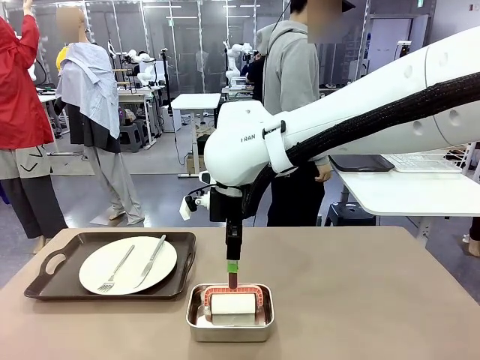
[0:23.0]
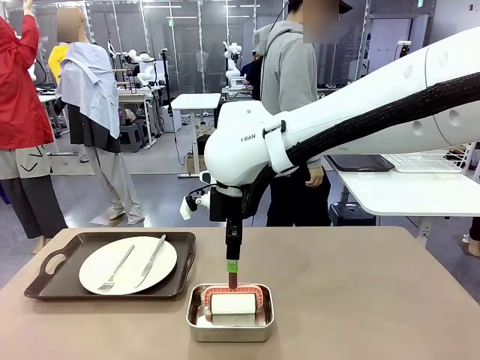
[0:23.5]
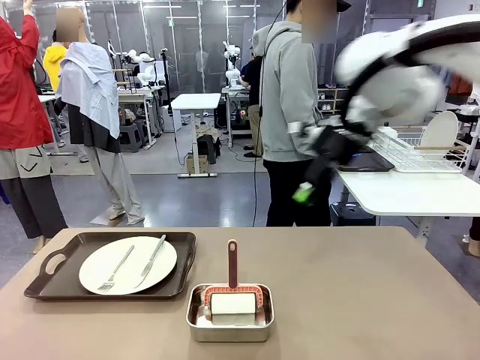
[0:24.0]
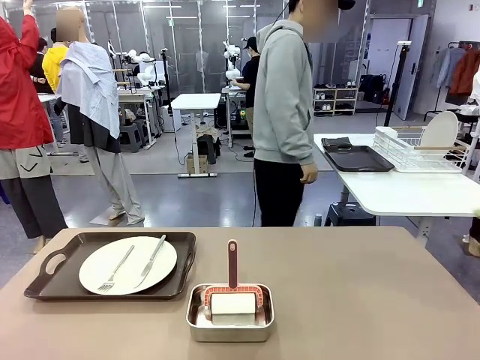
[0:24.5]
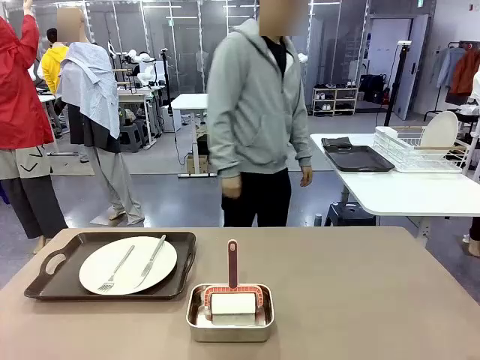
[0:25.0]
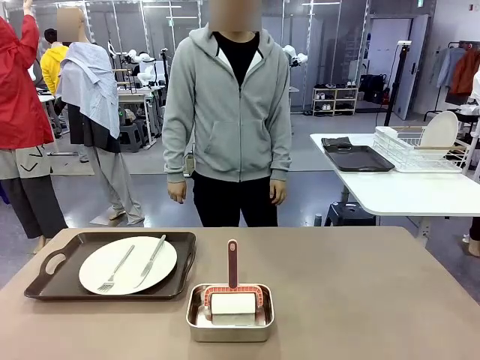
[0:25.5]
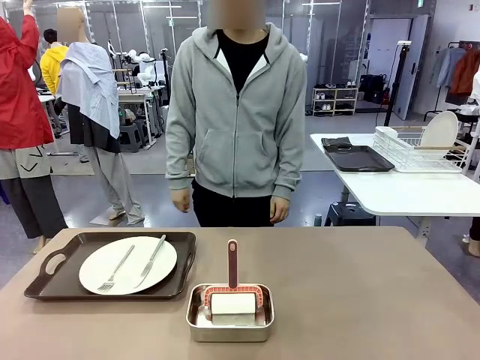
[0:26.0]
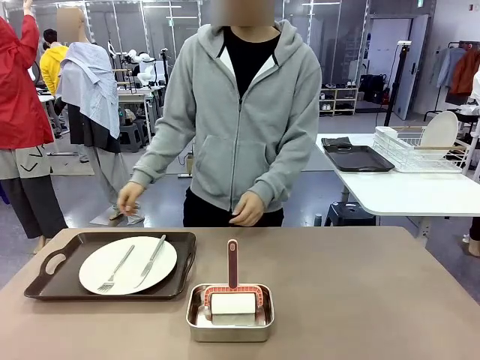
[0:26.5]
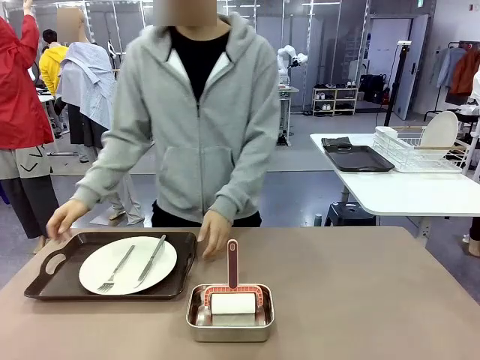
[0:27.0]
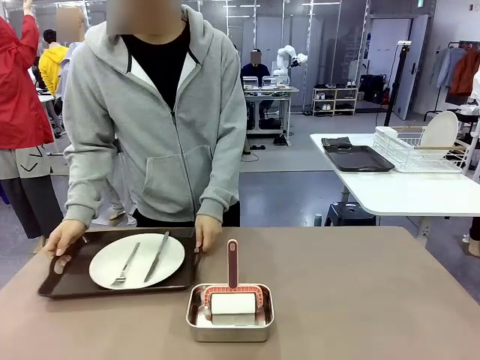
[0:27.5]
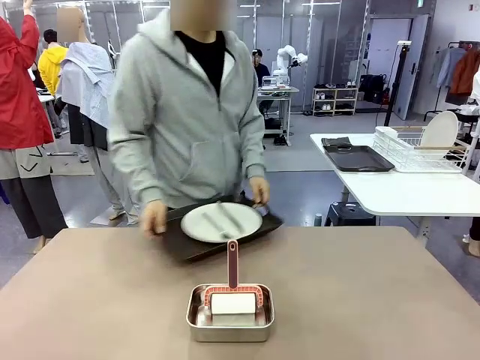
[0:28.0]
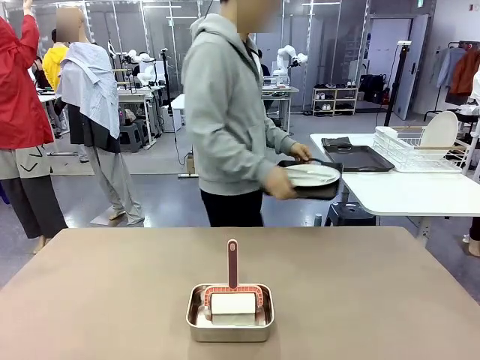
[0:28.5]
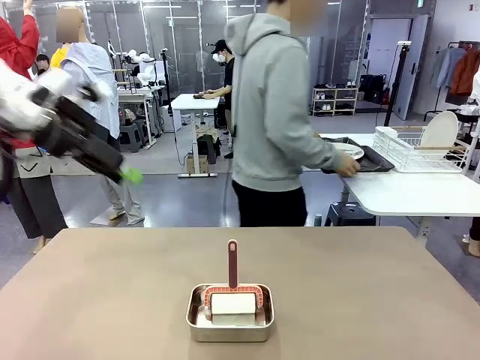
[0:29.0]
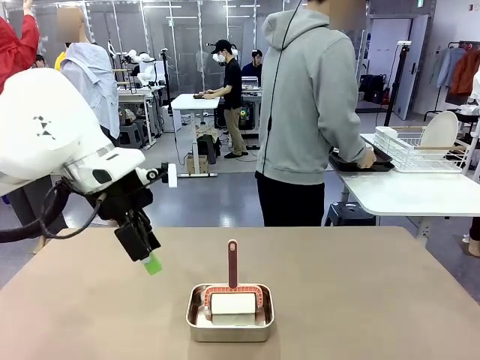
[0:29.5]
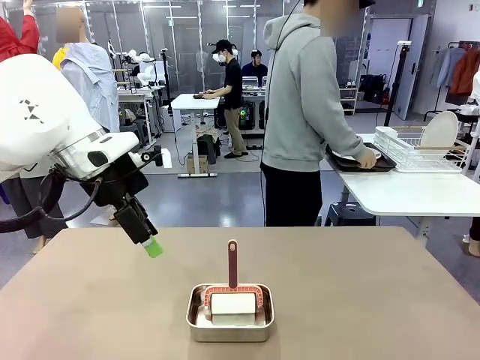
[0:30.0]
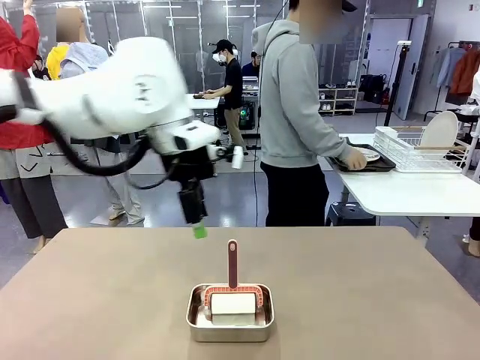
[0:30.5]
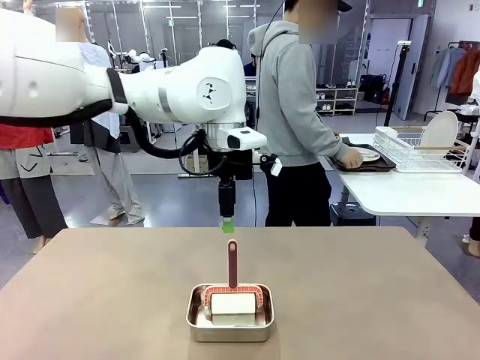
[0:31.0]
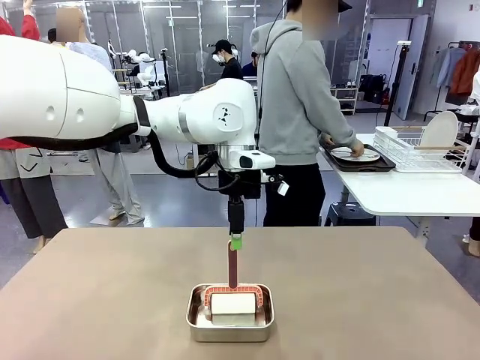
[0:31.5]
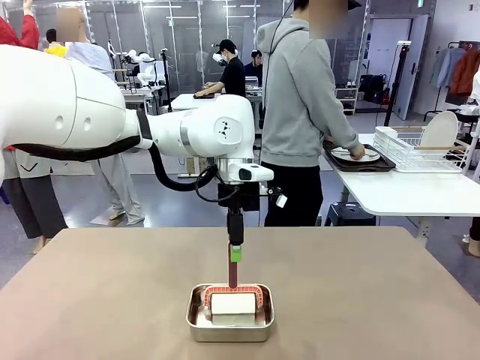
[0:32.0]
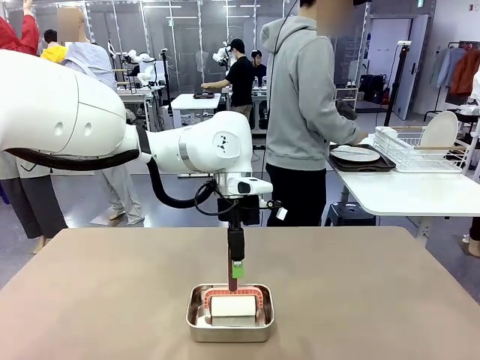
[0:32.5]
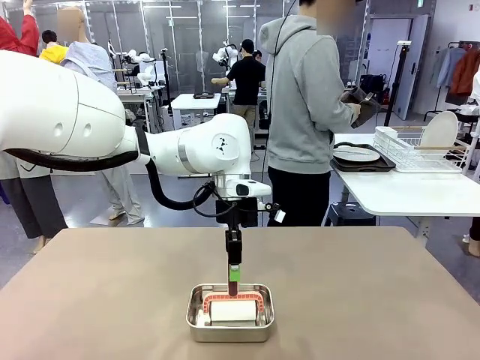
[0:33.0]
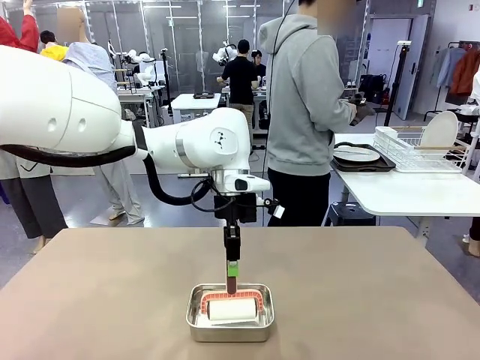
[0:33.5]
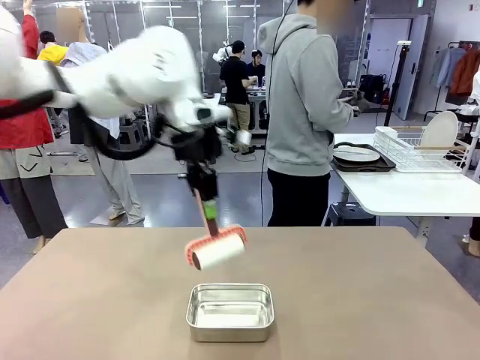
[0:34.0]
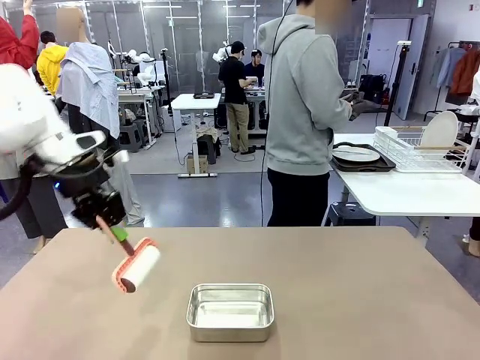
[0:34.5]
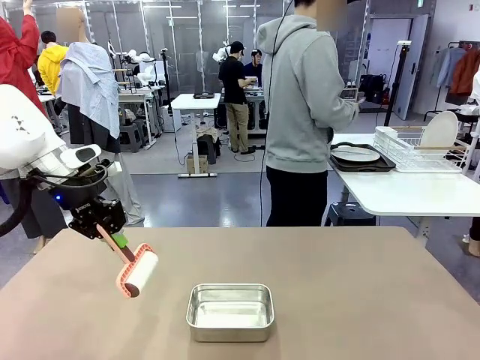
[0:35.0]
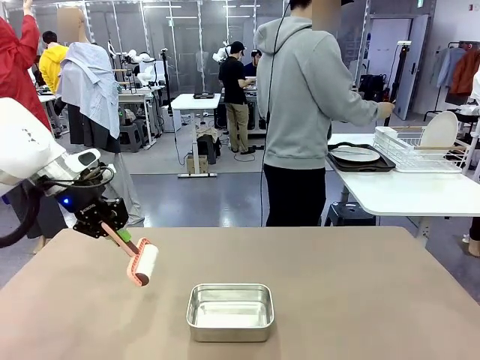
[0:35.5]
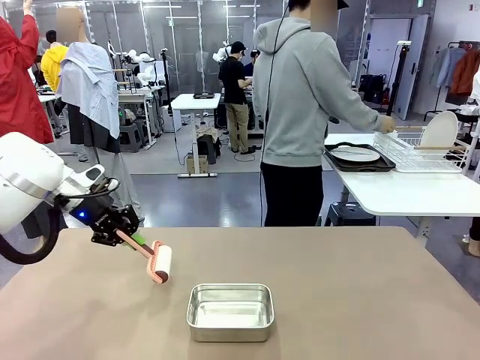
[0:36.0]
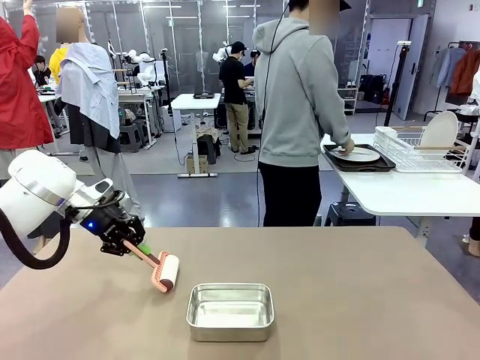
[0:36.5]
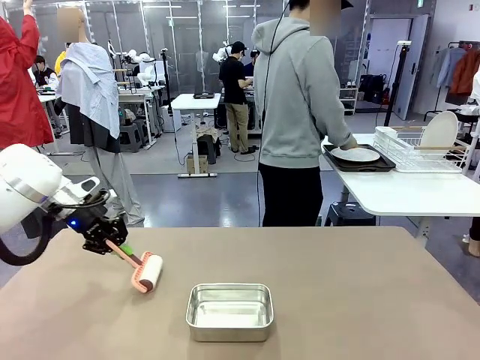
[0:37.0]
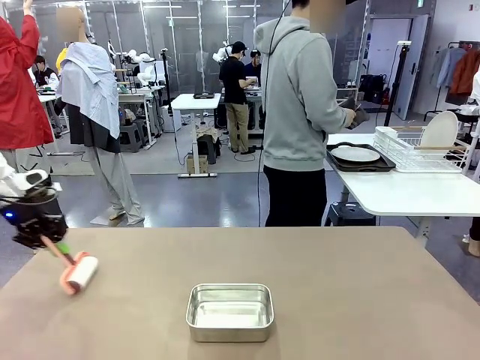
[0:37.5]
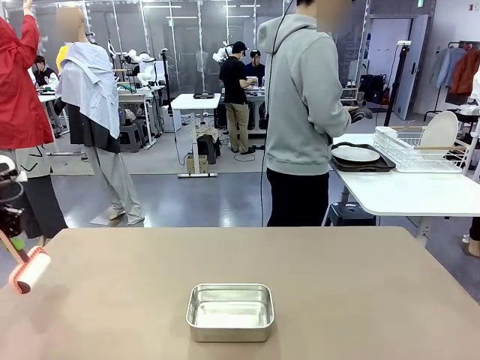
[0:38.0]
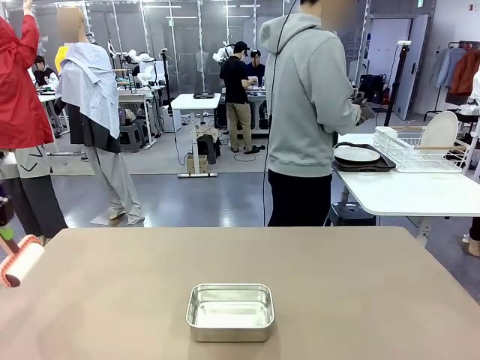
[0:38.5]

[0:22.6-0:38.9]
Robot: When the right (or left) Handle tray is removed, use the right hand (or left hand) to clean the right (or left) side of the table with the Lint Roller.
Person: Pick up the left (or right) Handle tray and place it on the Handle tray.

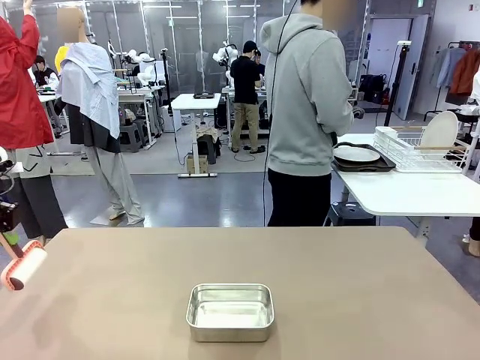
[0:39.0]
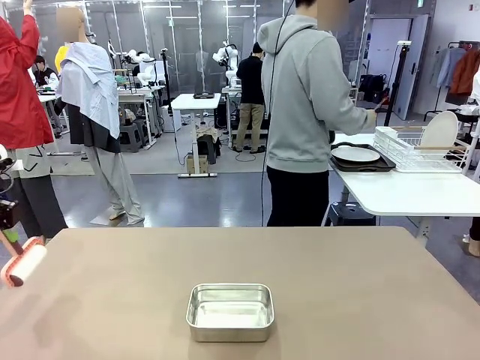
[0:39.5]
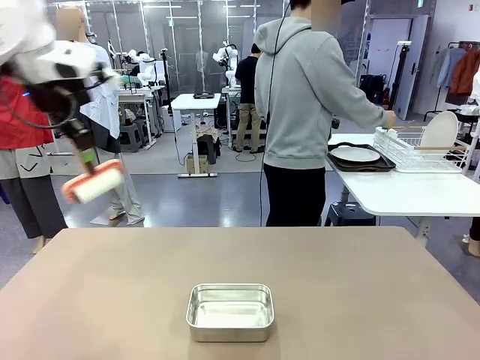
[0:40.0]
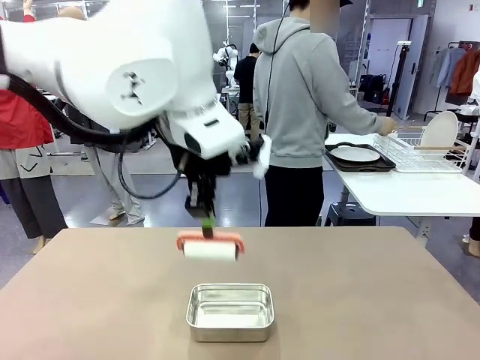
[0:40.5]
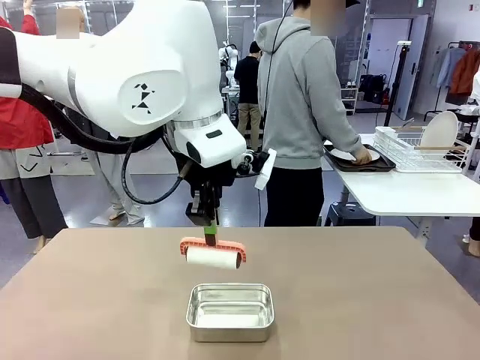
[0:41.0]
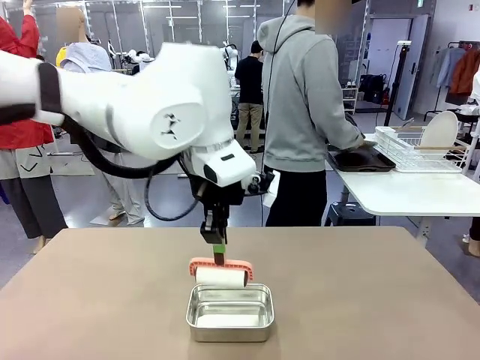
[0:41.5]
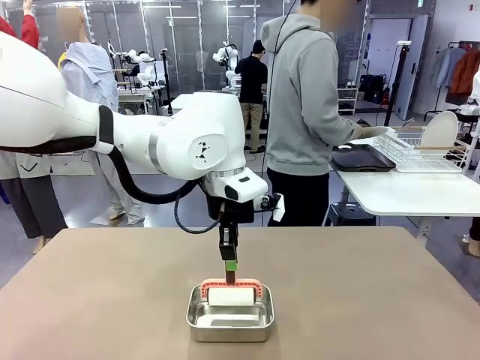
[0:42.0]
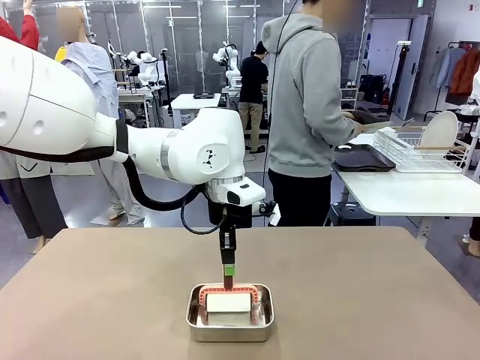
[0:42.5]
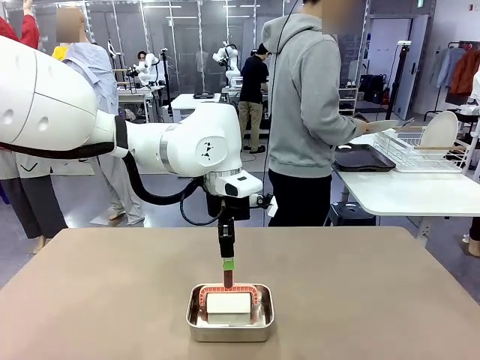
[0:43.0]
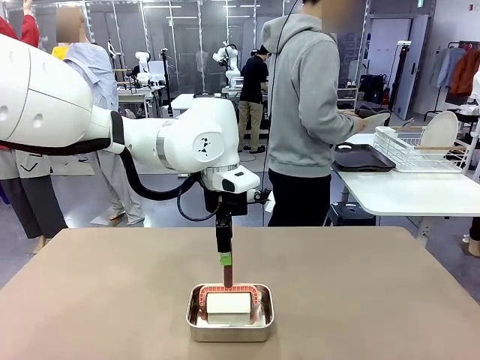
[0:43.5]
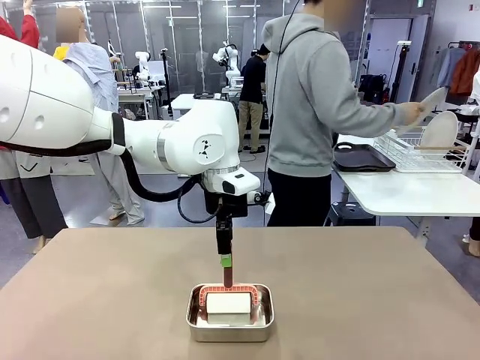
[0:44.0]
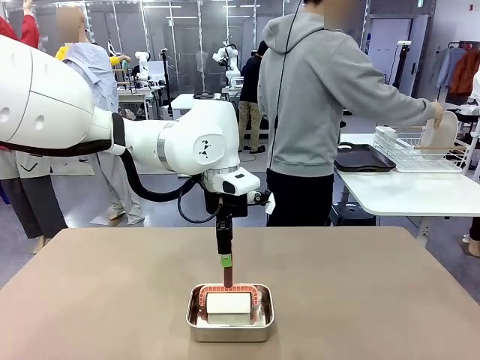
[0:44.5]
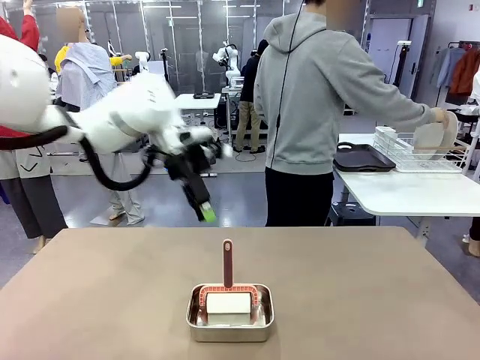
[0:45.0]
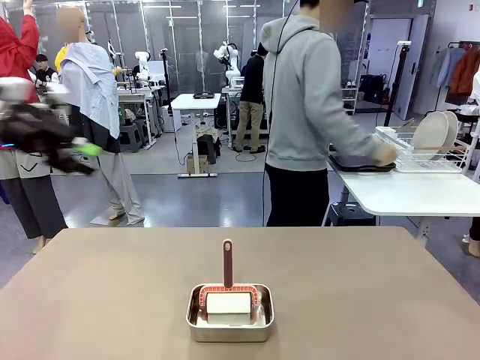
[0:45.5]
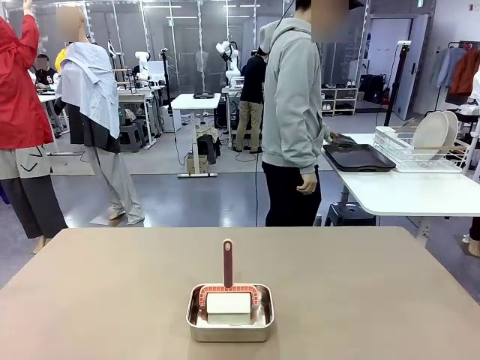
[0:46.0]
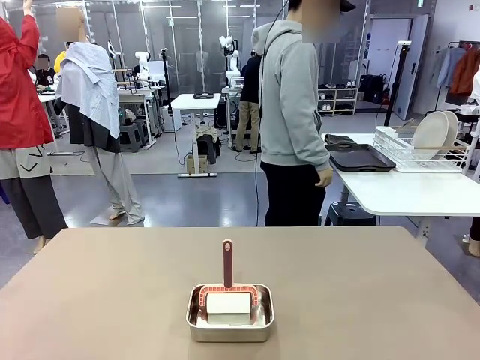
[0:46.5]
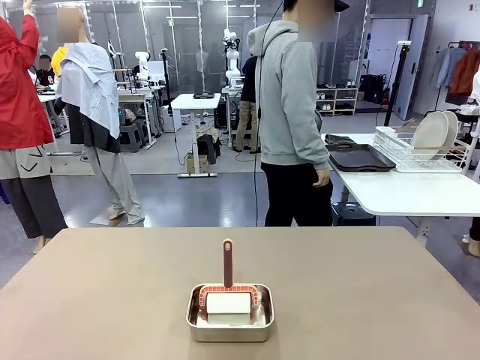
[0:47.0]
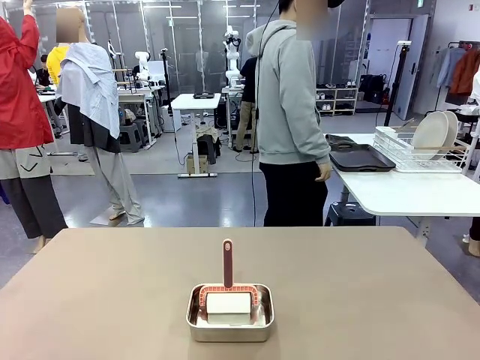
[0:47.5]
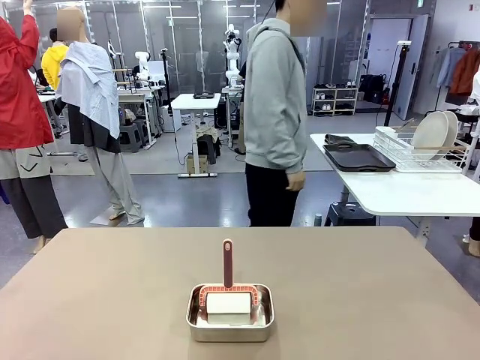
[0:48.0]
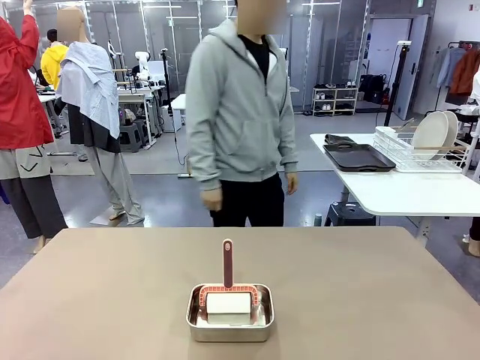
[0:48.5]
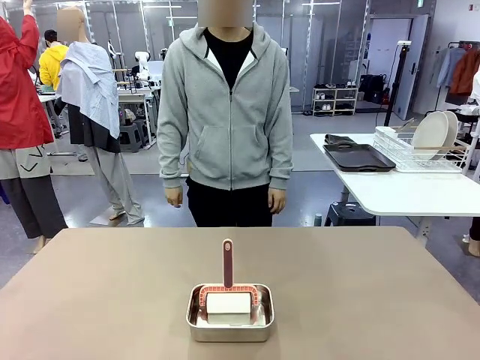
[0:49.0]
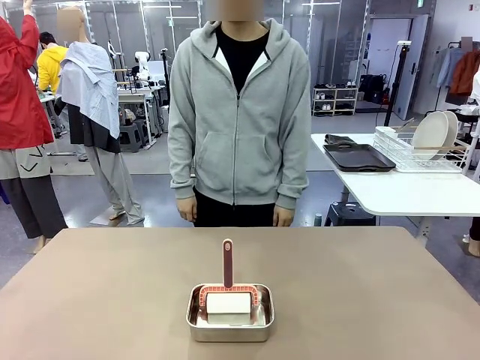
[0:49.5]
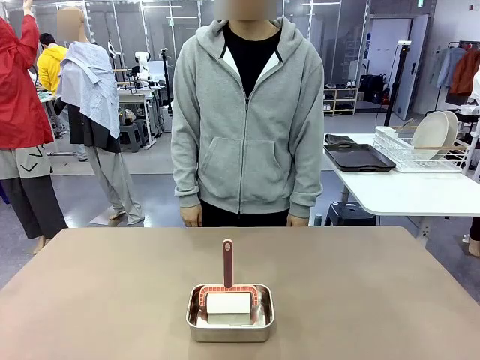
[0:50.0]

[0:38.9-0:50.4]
Robot: Place the Lint Roller back on top of the Airtight Container.
Person: Use the Towel with hook to wipe the Plastic Matte Plate , Fork , and Knife and place into the Dish drying rack.
